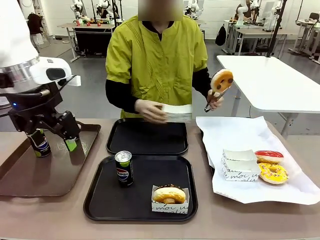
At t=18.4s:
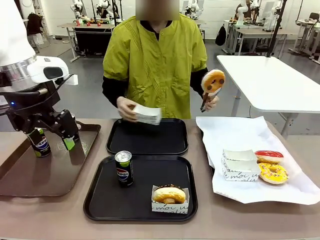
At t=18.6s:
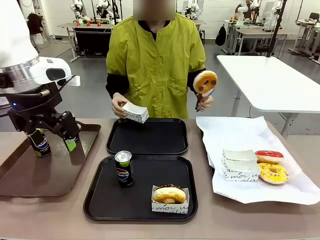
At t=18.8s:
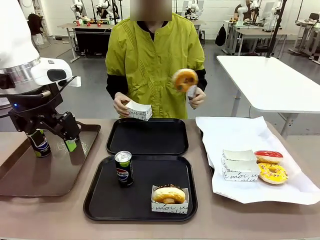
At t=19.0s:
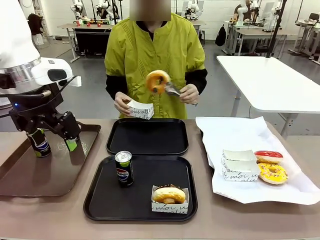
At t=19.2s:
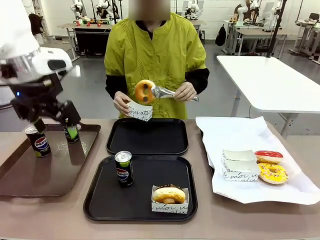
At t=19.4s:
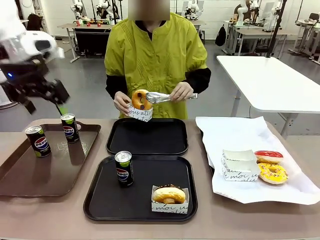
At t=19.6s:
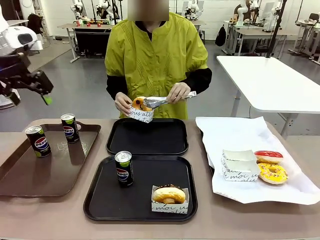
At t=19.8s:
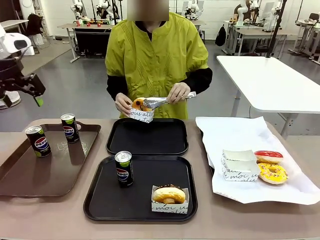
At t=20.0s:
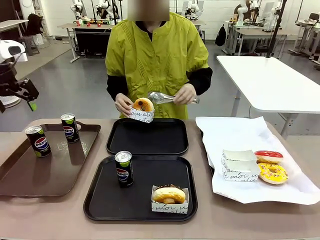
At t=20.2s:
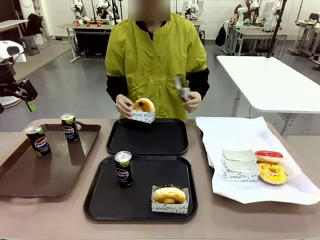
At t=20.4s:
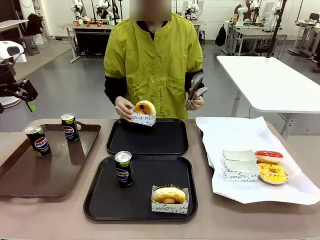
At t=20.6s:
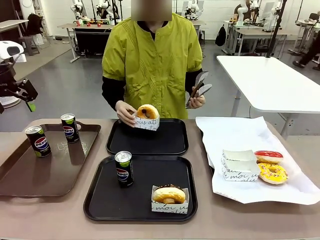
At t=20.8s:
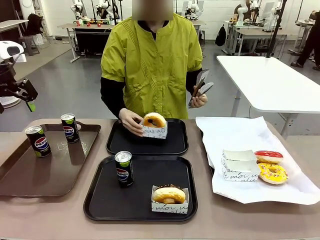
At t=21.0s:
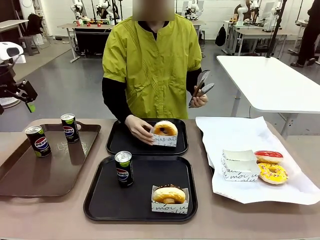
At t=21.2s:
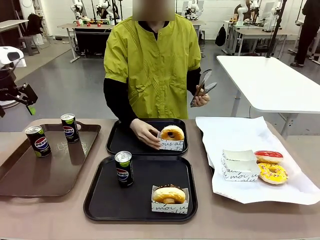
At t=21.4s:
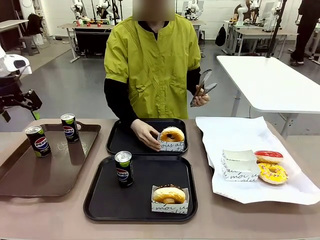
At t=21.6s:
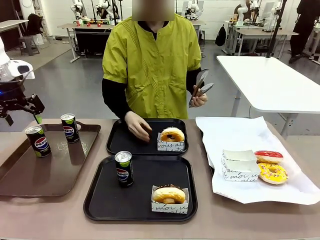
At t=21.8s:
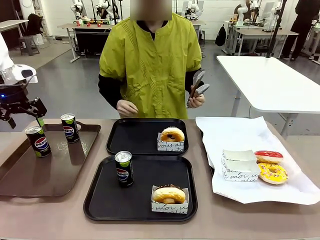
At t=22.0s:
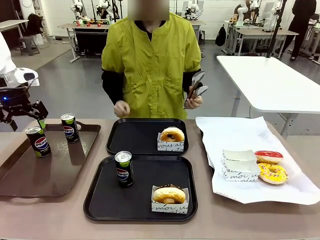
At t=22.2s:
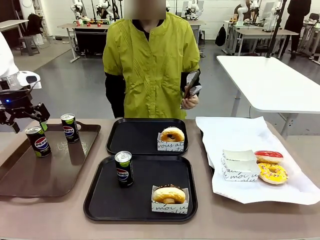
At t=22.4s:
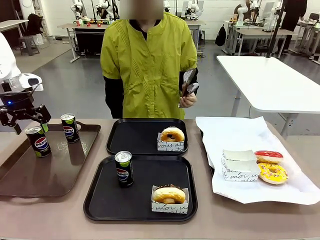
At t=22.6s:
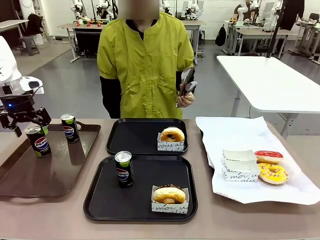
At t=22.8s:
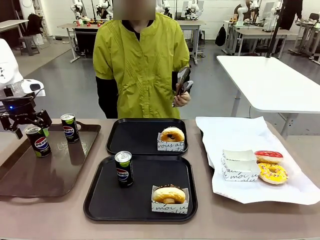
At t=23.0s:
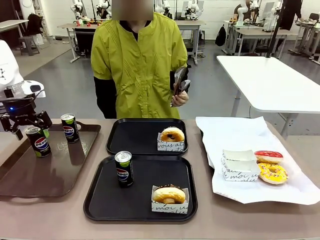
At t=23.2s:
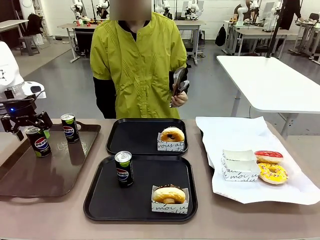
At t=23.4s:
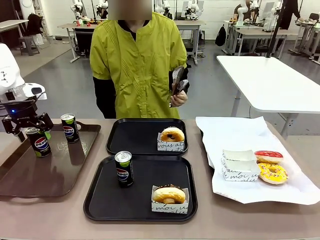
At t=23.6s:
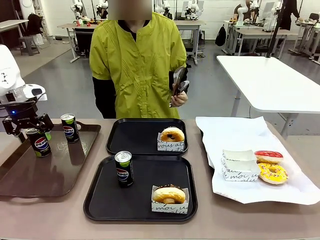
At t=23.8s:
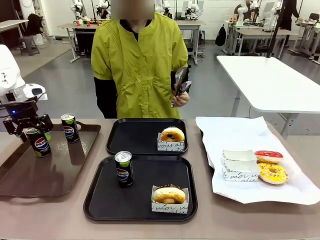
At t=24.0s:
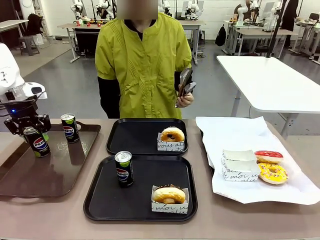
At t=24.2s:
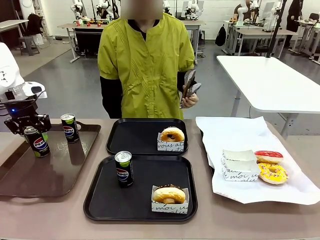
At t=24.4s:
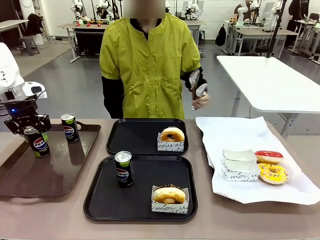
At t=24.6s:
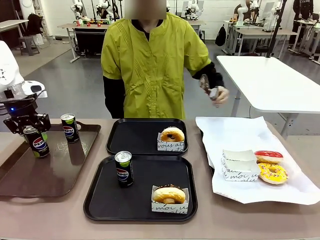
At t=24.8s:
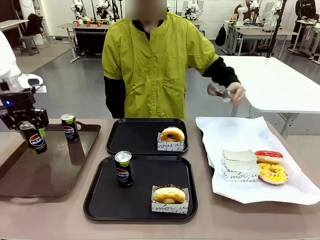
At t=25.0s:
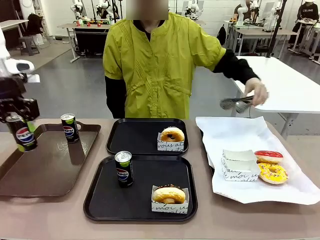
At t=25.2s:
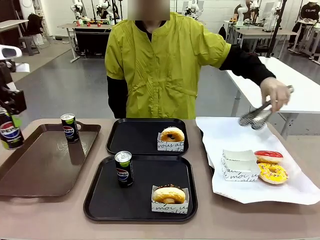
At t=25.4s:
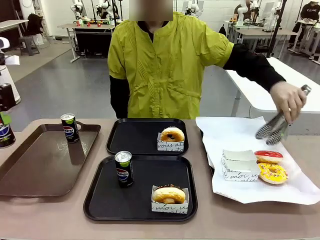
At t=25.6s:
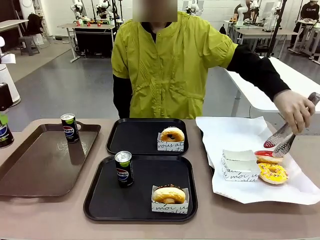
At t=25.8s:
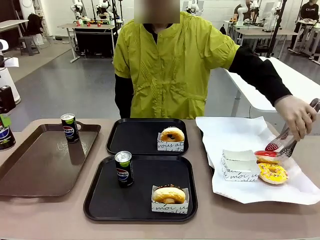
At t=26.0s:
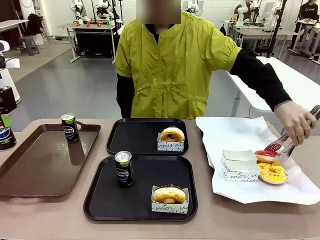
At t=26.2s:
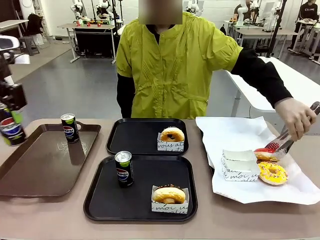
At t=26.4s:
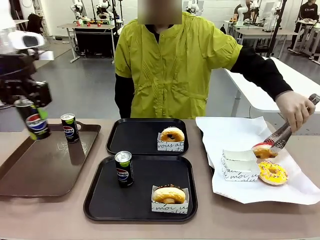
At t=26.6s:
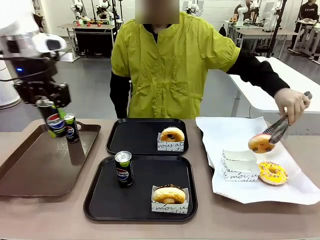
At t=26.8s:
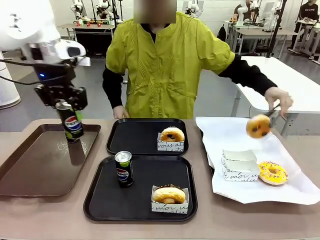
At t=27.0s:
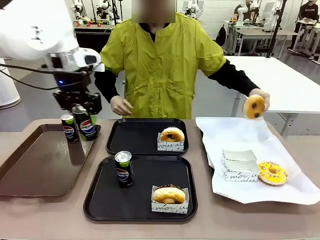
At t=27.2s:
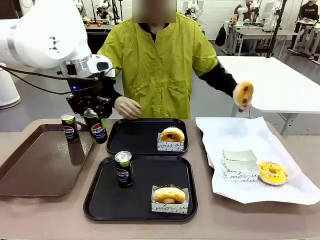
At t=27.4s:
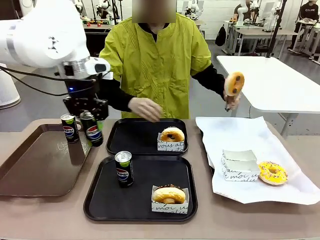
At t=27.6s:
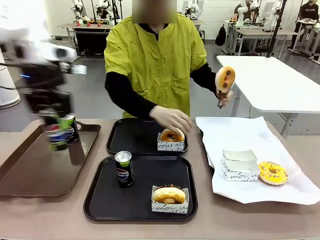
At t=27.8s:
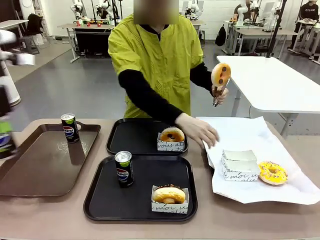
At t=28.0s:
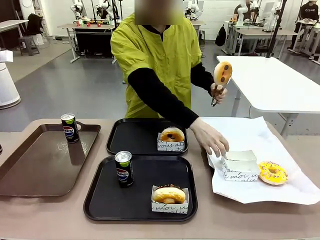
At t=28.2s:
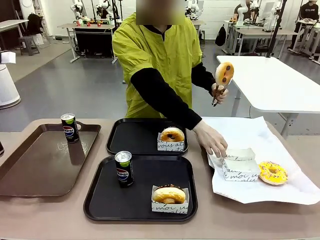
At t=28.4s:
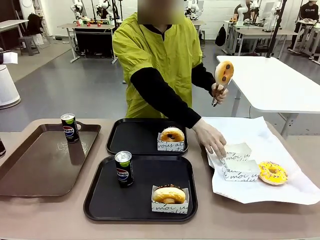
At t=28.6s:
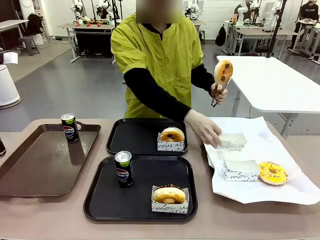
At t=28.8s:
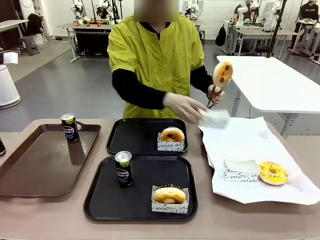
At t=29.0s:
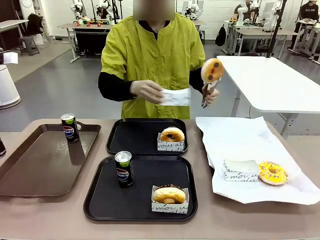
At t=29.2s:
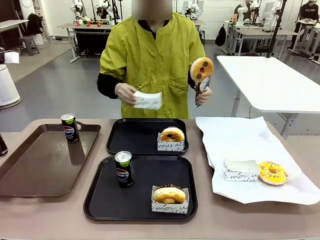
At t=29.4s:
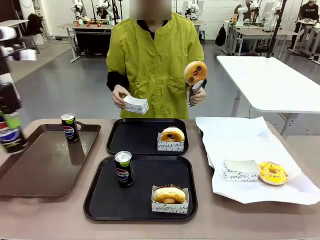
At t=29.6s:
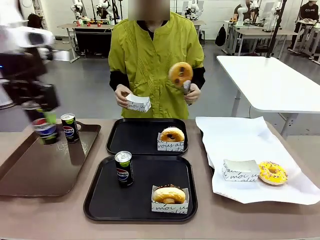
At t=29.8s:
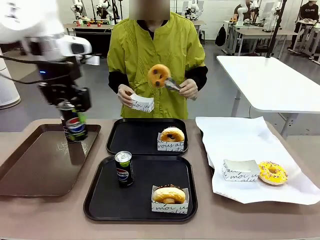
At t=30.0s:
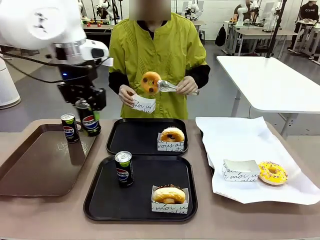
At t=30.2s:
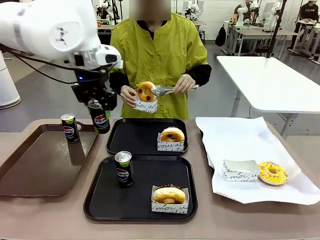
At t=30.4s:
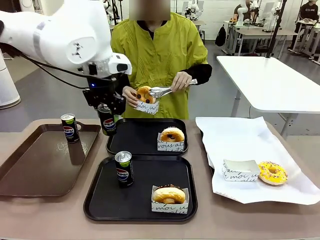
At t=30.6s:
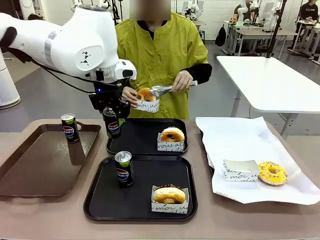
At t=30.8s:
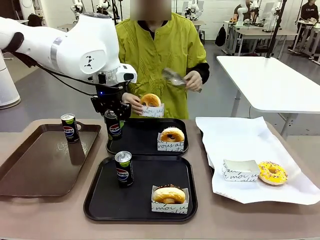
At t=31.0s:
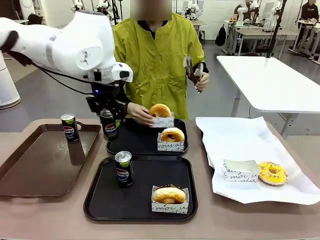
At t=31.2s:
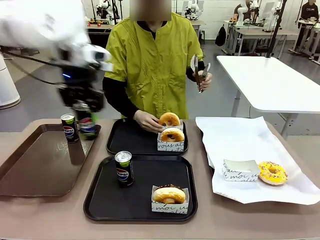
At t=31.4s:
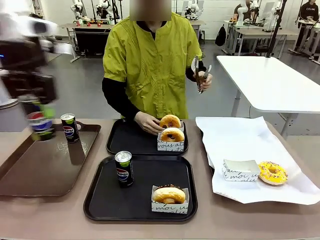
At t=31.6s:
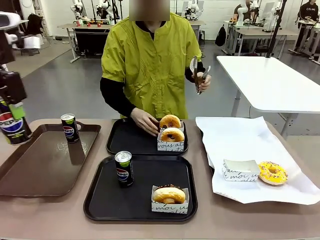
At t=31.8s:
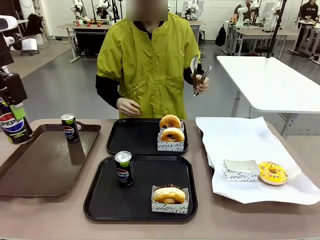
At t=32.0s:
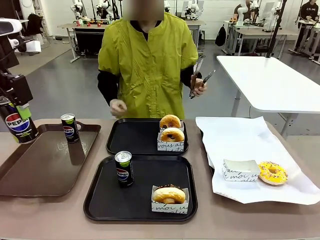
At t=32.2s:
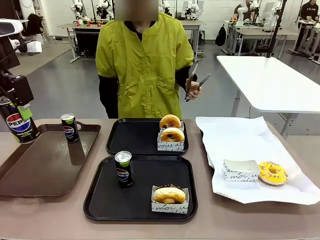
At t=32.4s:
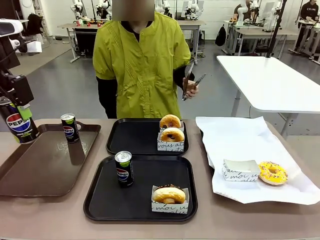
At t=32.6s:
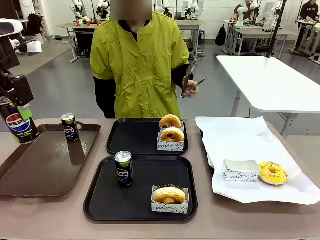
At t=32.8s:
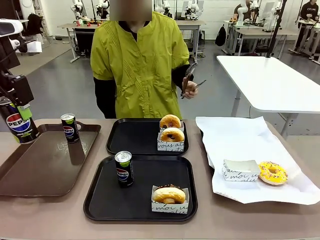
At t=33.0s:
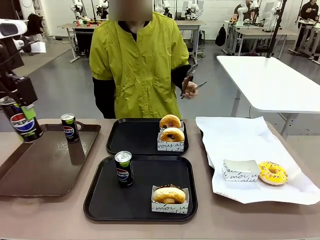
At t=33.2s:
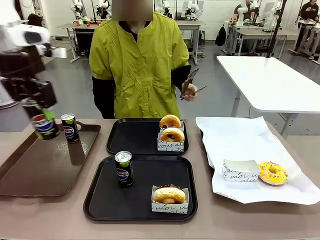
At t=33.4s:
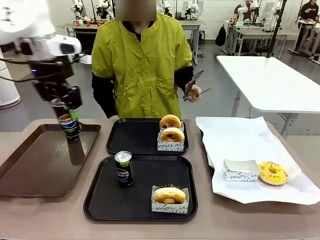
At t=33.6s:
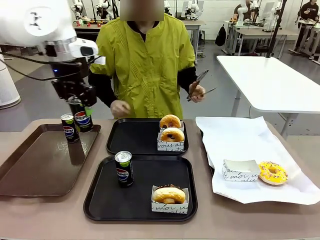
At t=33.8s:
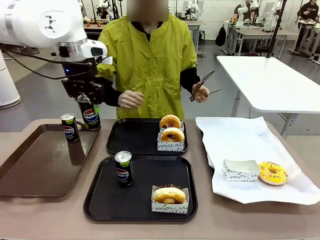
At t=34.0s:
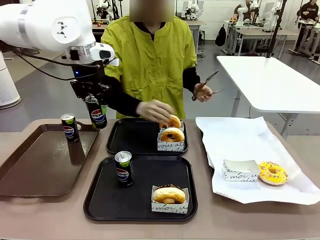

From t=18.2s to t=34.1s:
Task: Set up donuts and drinks on trays.
Robot: Pick up one Pepsi coke from the Handle tray and place it on the Flat Tray without a Pepsi coke.
